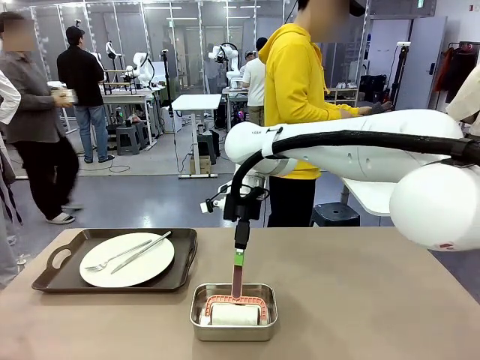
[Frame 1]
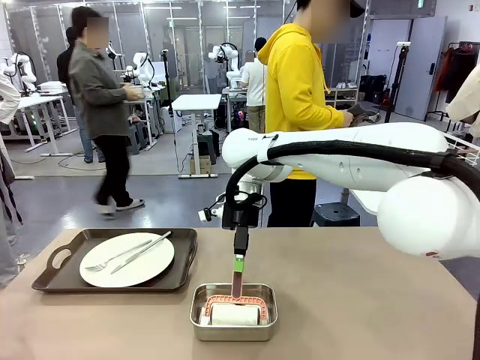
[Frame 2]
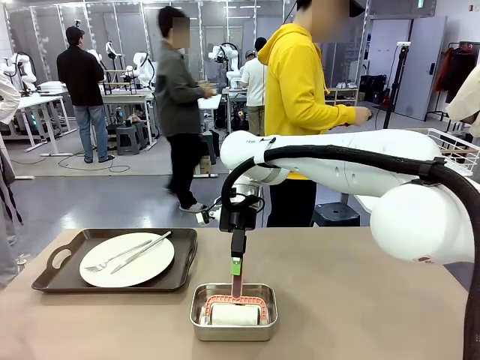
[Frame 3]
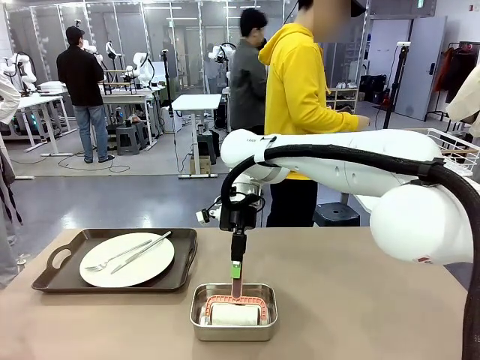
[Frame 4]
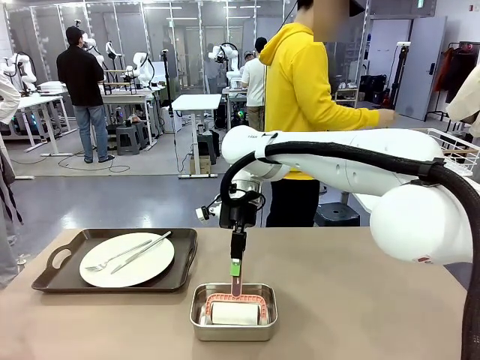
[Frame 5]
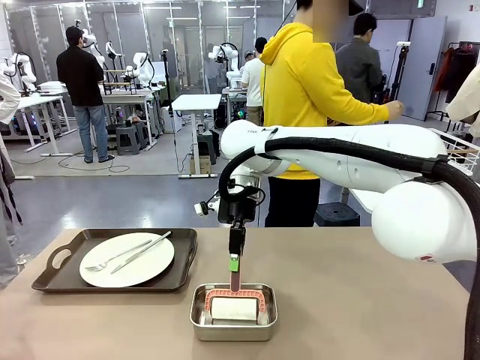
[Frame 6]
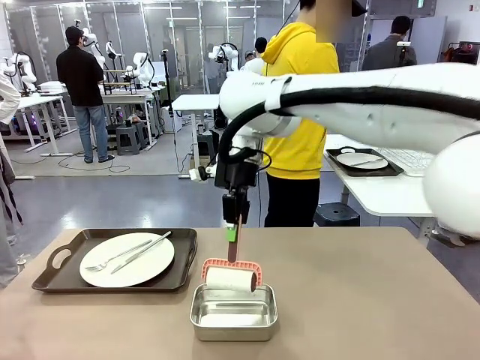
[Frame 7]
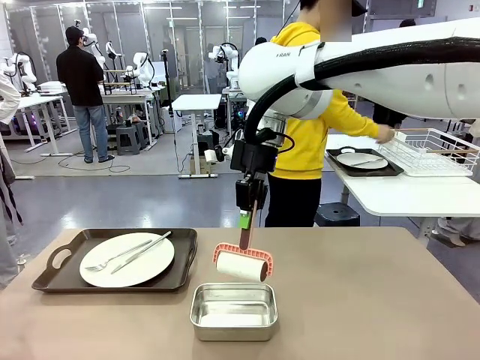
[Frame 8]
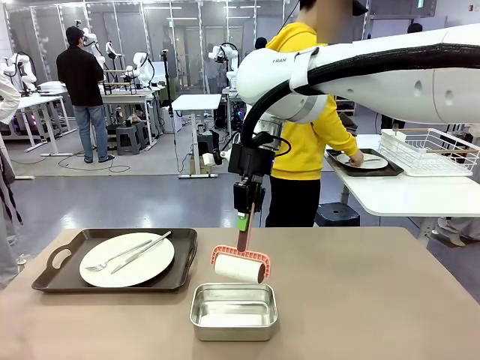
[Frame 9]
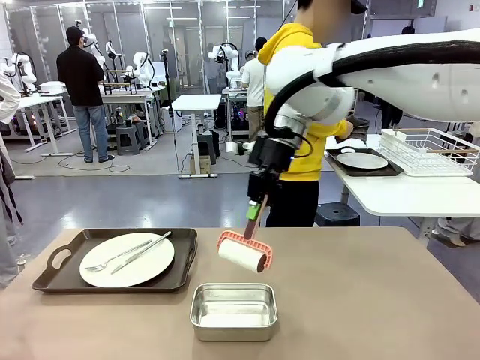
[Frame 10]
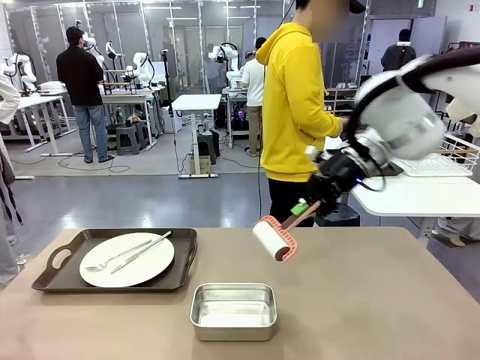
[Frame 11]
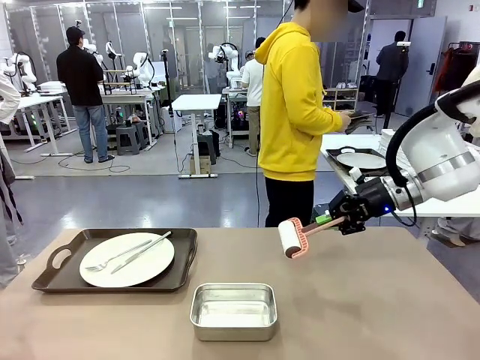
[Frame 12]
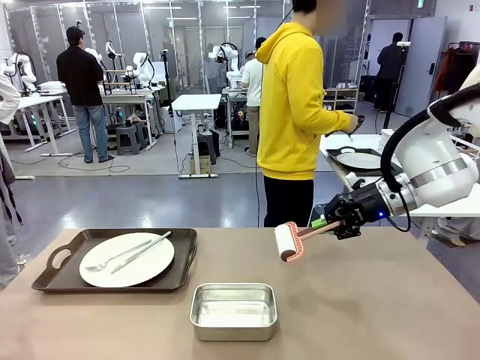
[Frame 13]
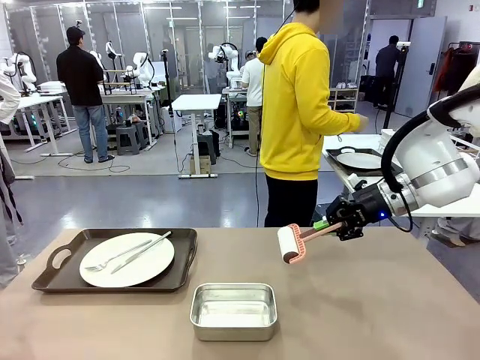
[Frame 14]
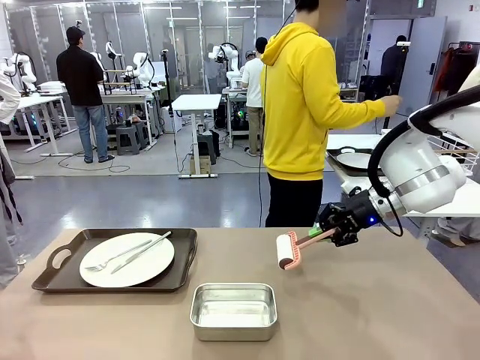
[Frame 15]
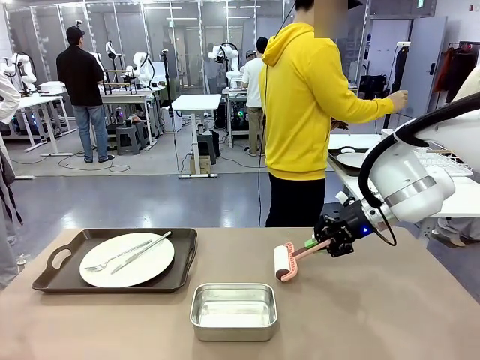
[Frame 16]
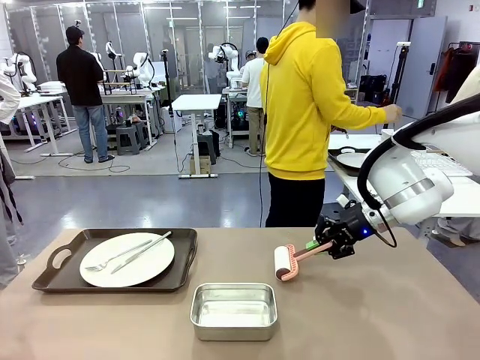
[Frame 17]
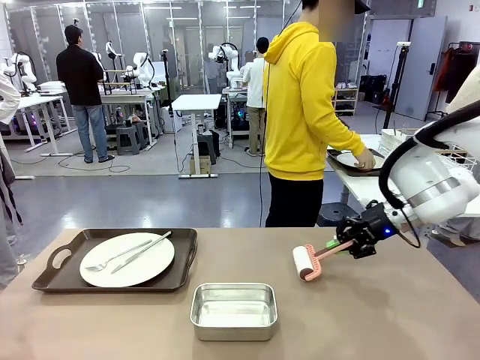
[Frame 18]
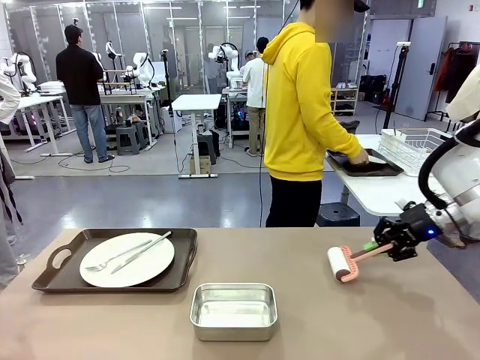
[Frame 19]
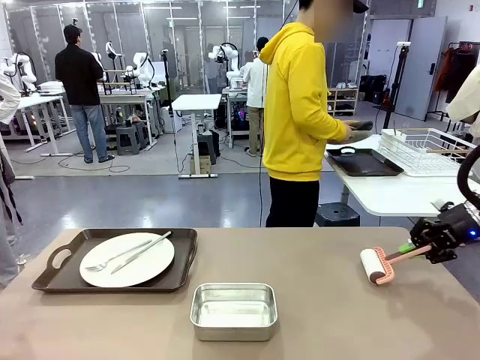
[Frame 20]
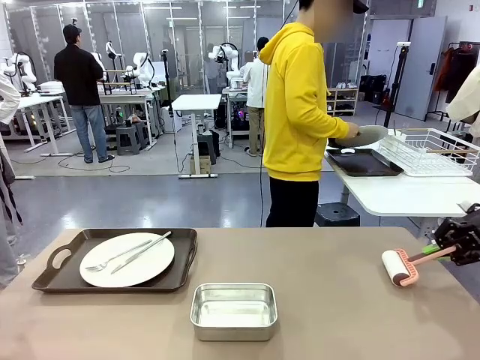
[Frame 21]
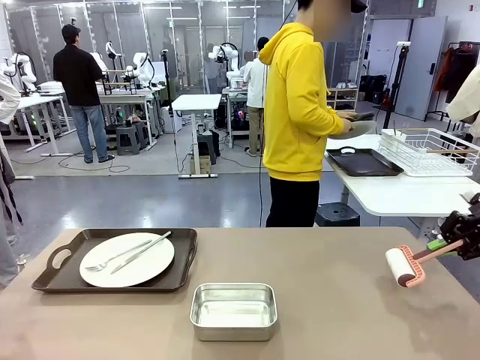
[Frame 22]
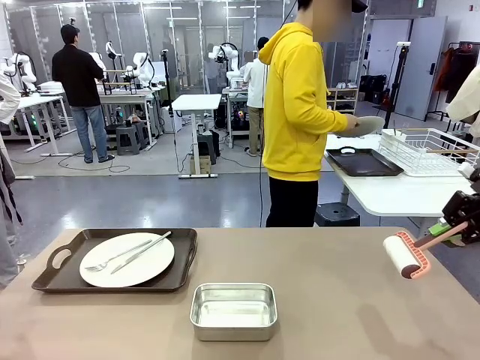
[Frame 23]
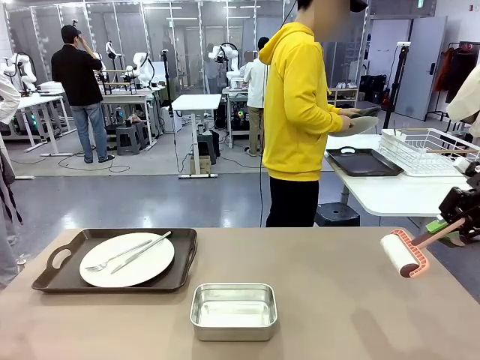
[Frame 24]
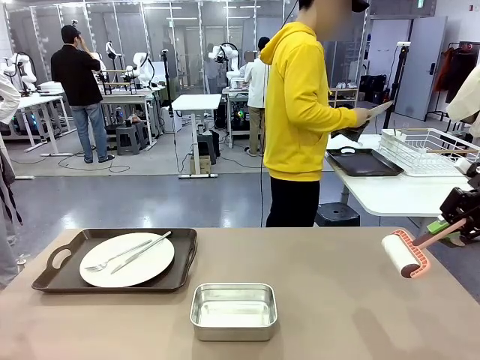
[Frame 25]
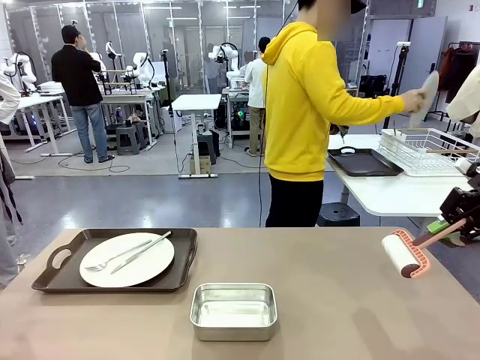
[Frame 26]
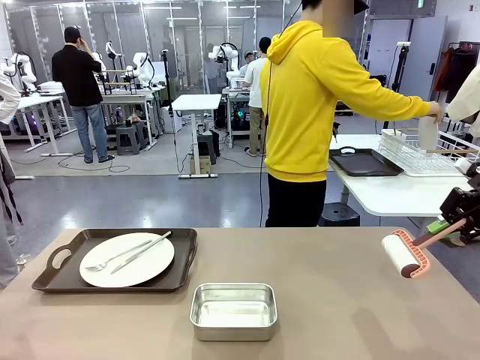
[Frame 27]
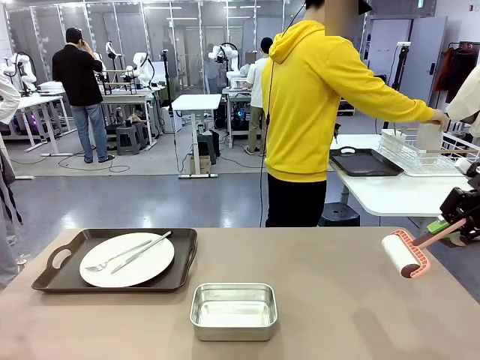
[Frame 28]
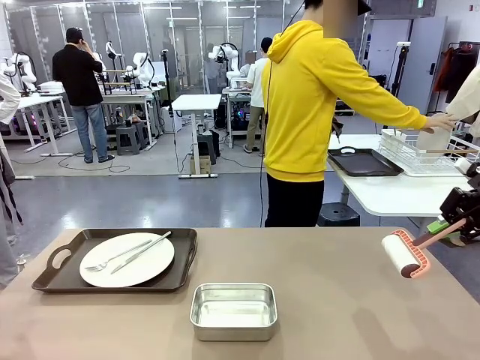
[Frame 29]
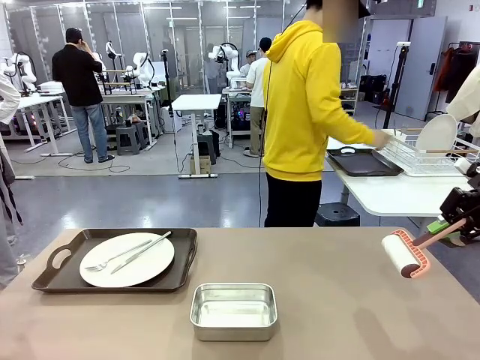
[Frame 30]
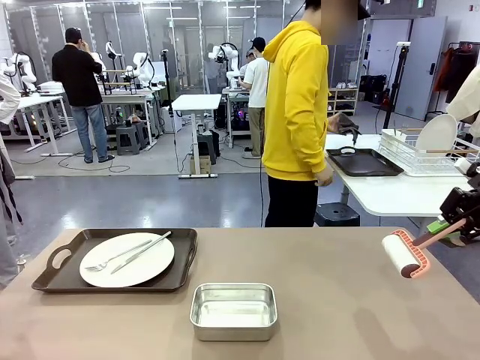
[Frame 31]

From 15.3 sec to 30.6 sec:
Robot: When the left (or right) Handle tray is removed, use the left hand (or right hand) to clean the left (or right) side of the table with the Lint Roller.
Person: Use the Towel with hook to wipe the Plastic Matte Plate , Fork , and Knife and place into the Dish drying rack.

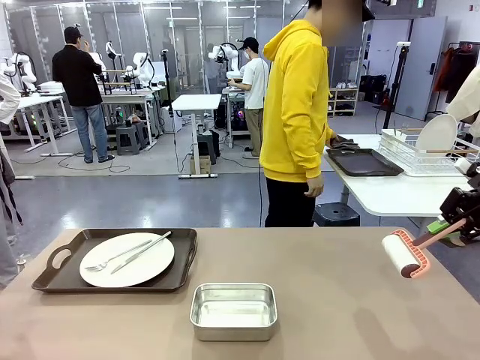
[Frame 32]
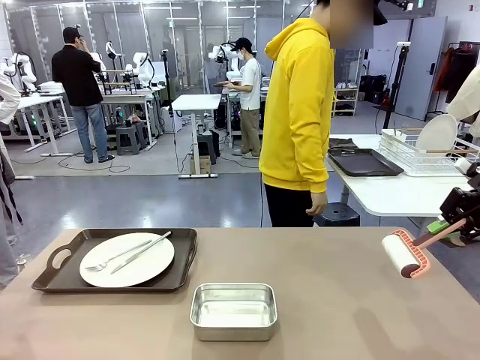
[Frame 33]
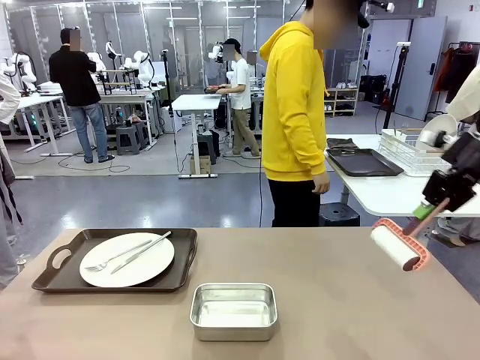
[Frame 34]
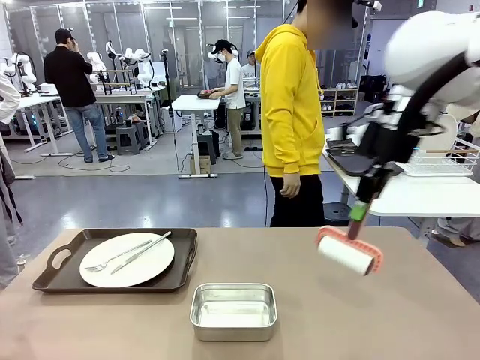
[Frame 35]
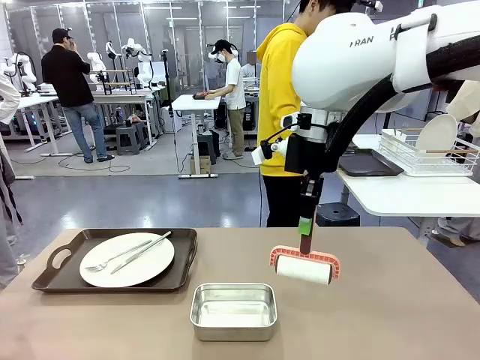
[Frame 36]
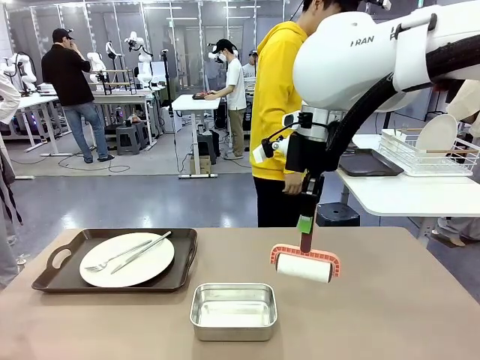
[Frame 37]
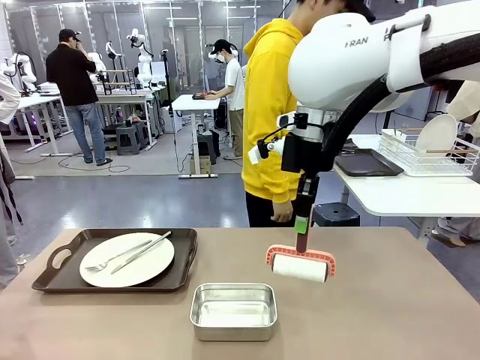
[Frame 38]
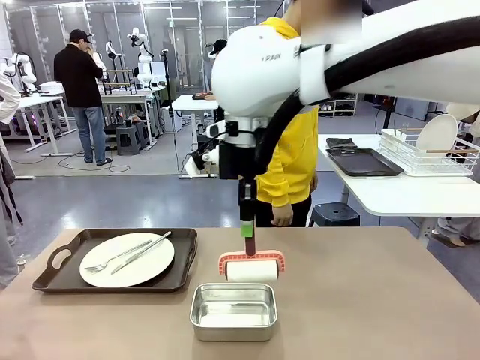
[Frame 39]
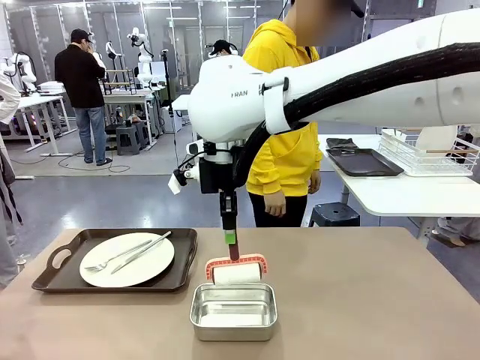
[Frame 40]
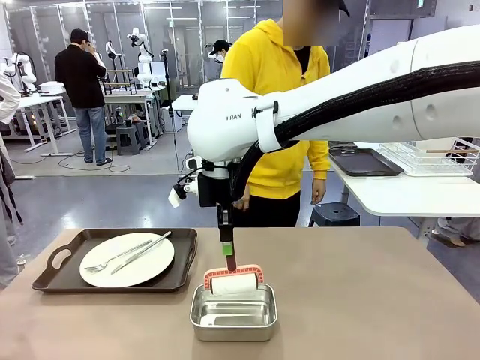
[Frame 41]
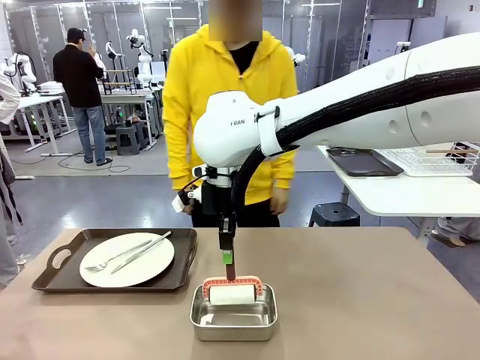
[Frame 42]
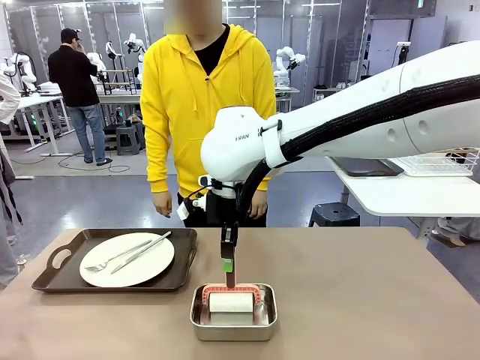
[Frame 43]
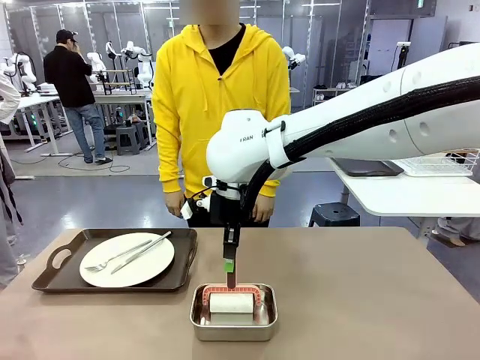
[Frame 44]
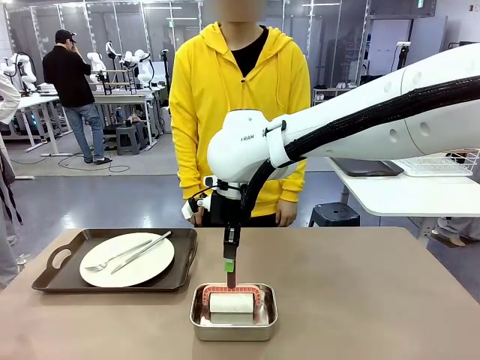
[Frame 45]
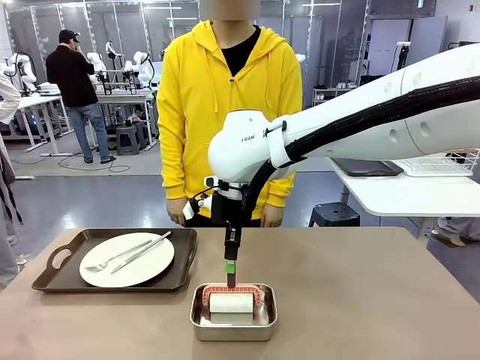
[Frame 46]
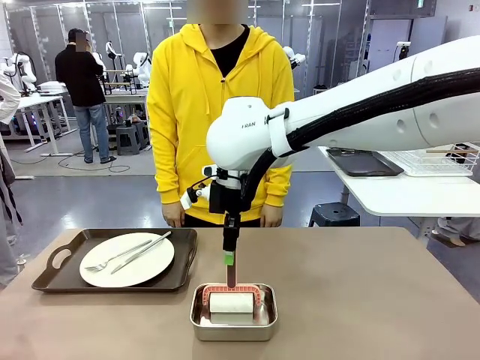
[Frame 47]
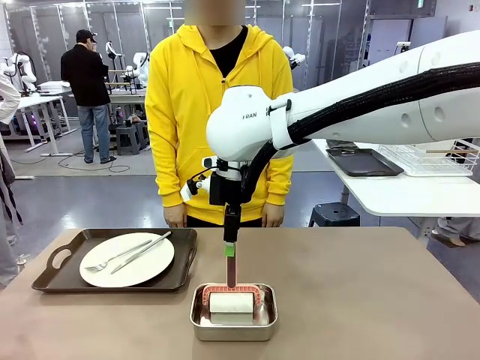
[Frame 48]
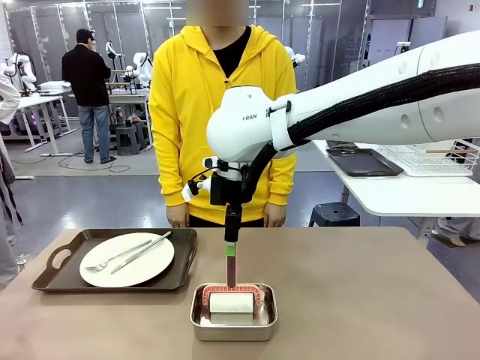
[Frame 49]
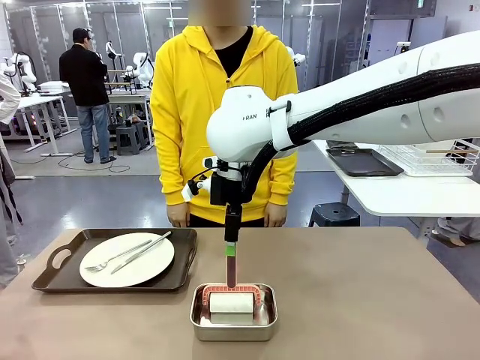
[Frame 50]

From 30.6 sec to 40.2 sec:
Robot: Place the Lint Roller back on top of the Airtight Container.
